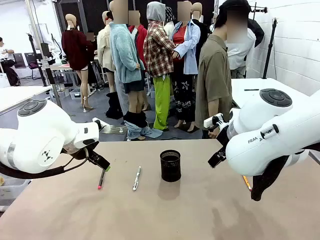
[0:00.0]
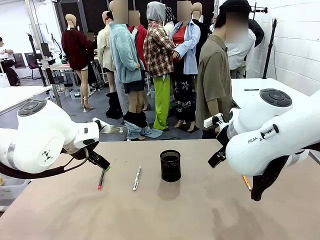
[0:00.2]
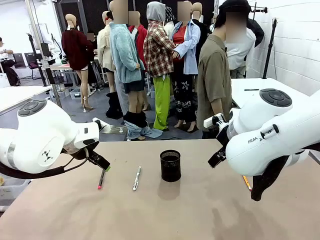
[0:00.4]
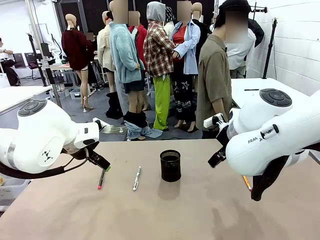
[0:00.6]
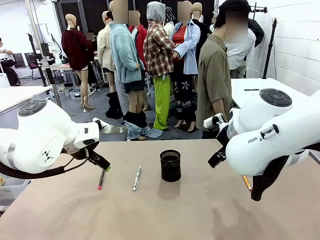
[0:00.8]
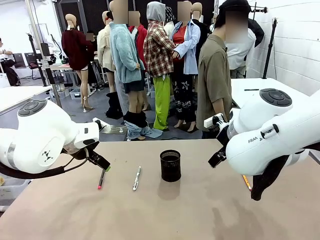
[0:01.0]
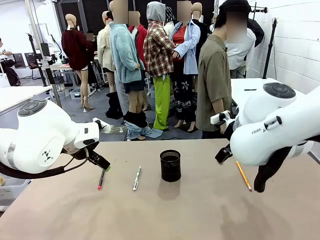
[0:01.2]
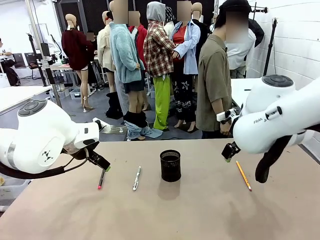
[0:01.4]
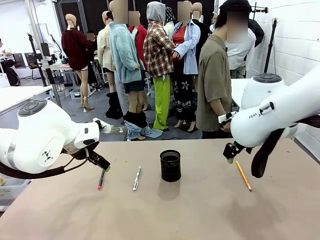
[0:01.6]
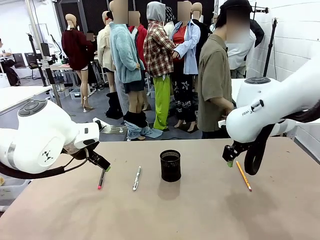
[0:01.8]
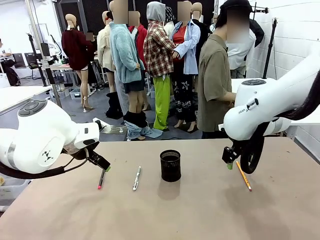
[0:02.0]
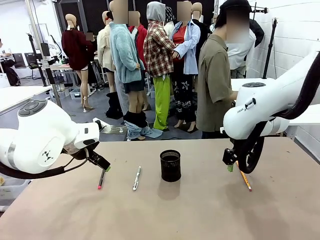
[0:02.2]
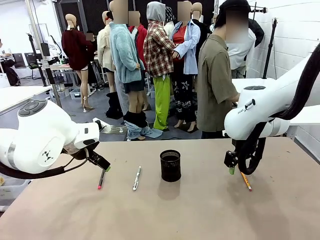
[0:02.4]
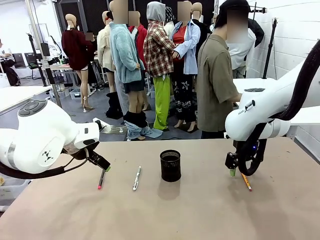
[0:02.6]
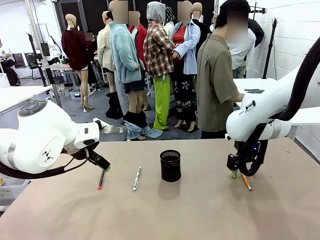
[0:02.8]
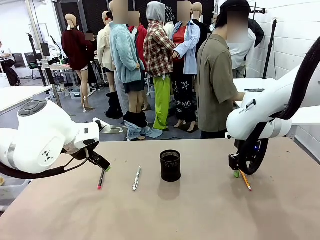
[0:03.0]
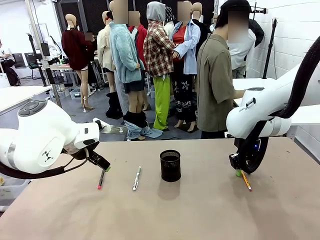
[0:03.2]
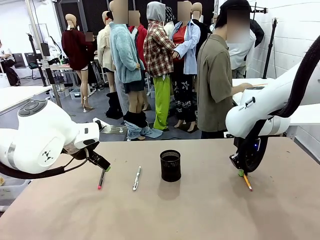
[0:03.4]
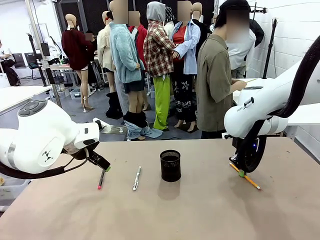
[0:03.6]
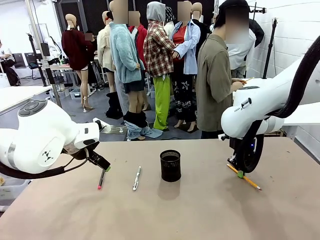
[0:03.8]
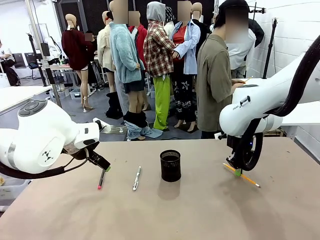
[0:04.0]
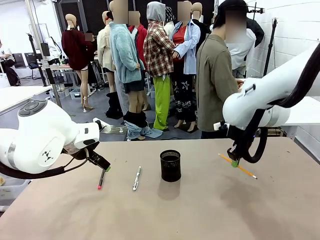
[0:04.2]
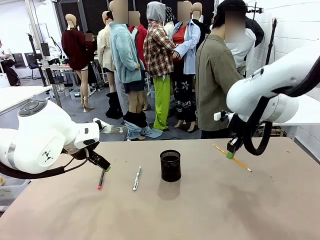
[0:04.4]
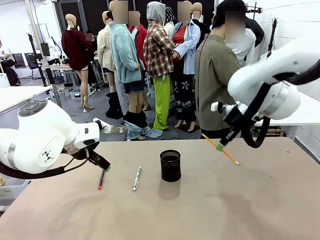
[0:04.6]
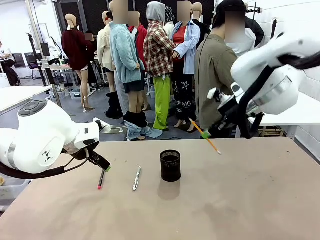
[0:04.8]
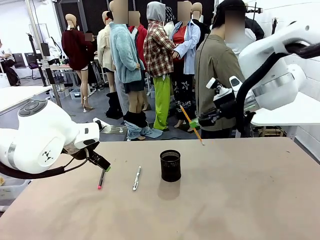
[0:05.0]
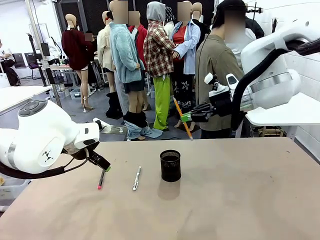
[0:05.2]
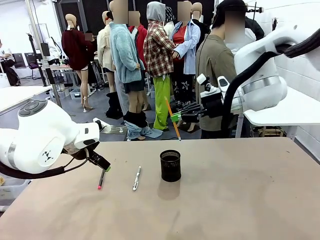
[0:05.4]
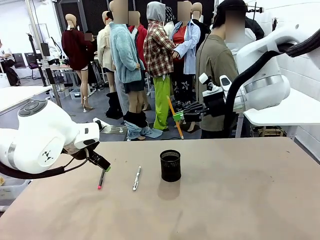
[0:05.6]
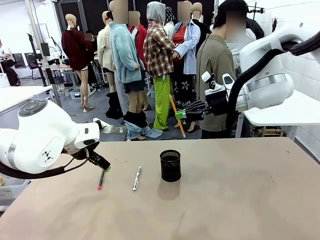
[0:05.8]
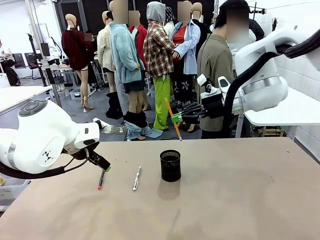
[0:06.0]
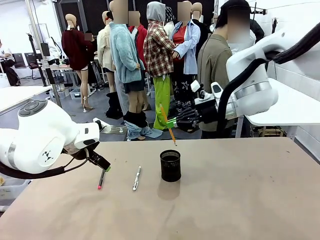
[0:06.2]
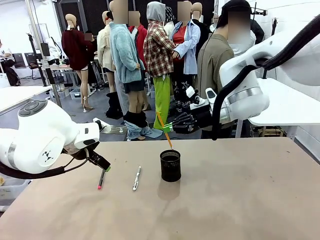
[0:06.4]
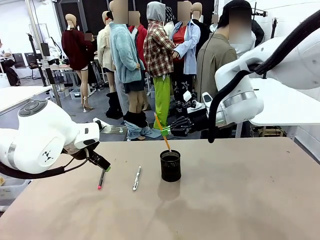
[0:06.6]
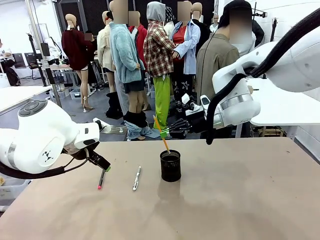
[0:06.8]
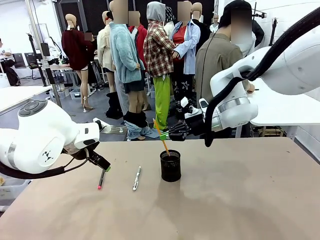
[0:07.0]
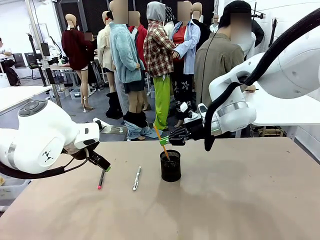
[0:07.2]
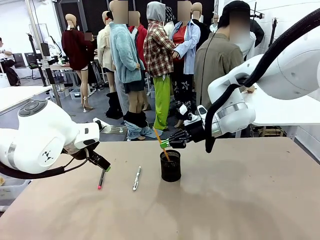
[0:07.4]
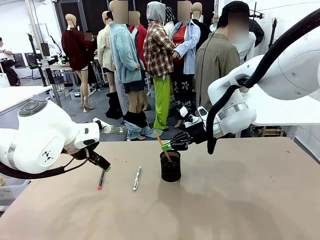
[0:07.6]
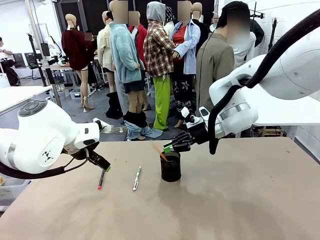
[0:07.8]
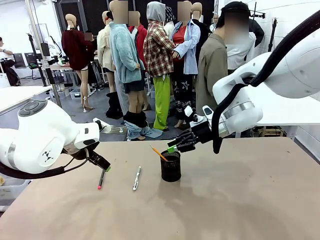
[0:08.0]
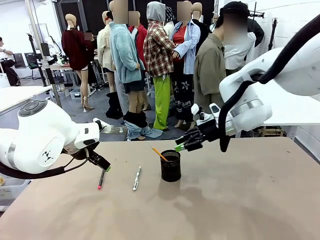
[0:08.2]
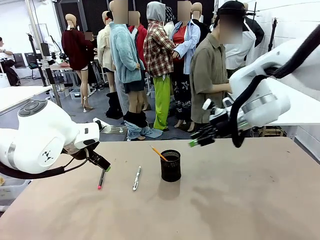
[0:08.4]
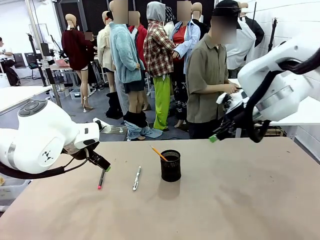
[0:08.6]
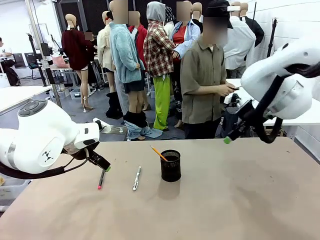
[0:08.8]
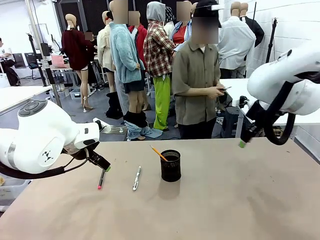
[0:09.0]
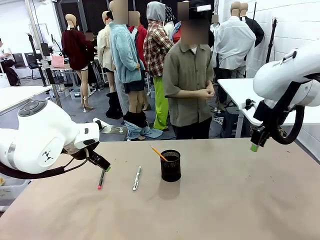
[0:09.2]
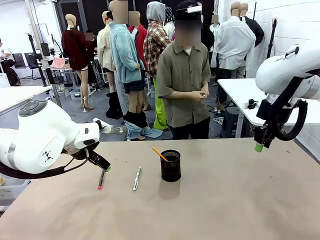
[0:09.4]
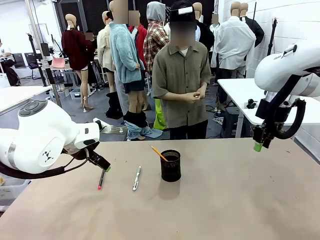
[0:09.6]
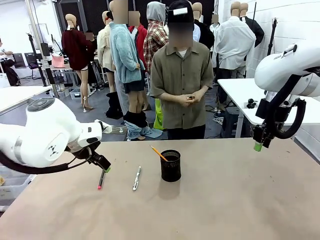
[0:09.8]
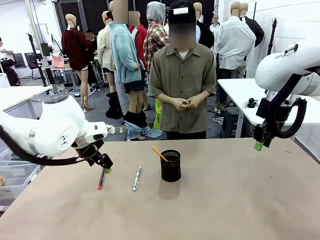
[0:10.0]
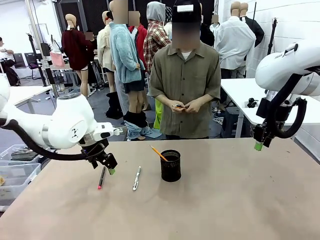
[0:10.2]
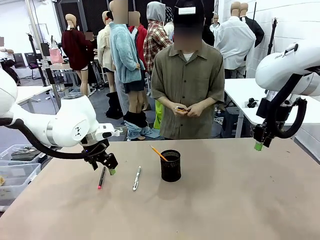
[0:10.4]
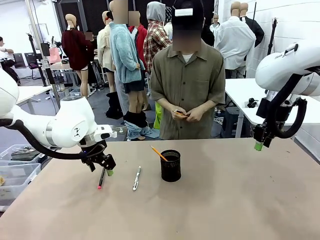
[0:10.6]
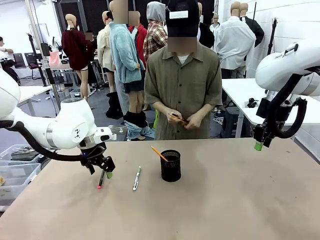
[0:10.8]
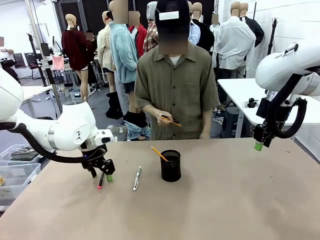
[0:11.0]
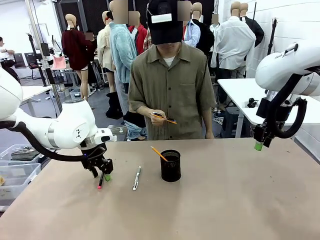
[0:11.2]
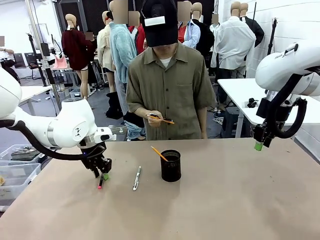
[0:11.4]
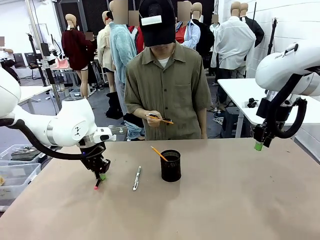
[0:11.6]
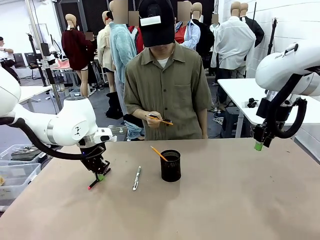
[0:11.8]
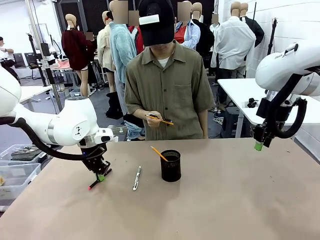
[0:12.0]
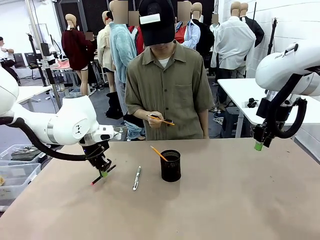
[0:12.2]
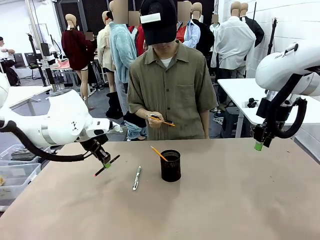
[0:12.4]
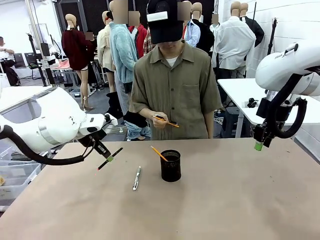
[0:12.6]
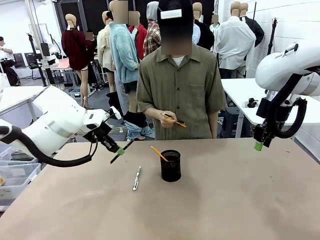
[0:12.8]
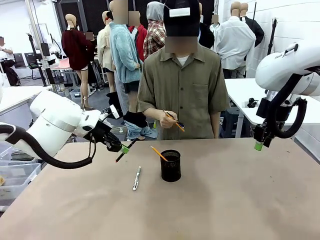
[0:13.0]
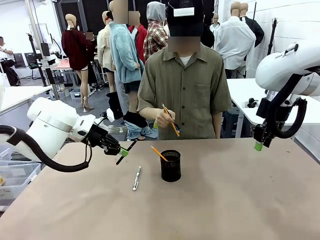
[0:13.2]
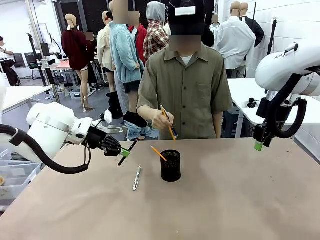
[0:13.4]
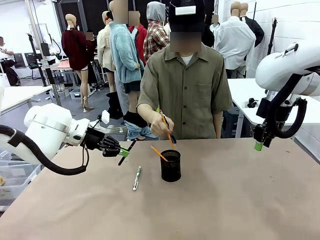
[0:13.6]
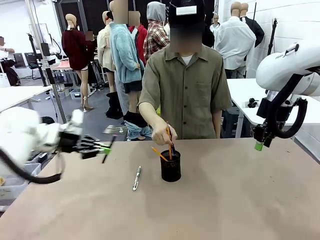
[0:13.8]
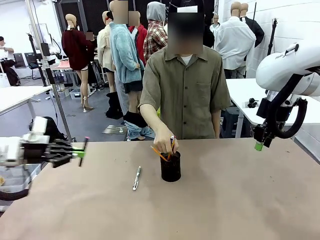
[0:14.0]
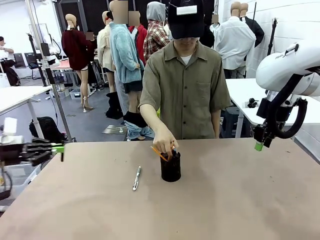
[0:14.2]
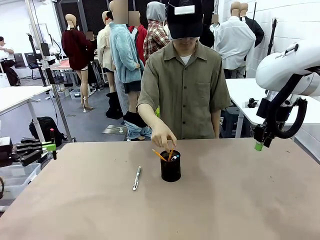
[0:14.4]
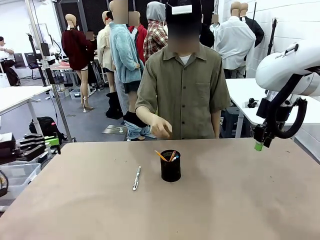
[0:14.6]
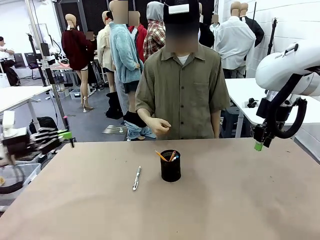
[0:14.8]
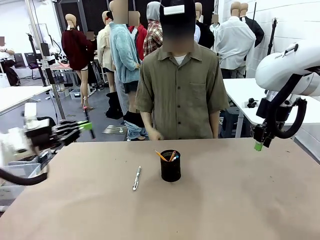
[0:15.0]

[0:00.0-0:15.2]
Task: Place the pens into the pen holder.
Robot: Pick up a writing instrument from the table and place it into the Pen holder.
Person: Pick up all writing instruments from the Human table.
